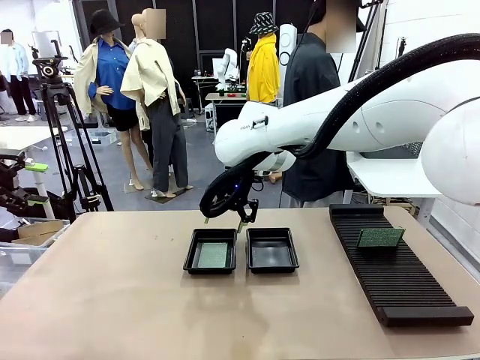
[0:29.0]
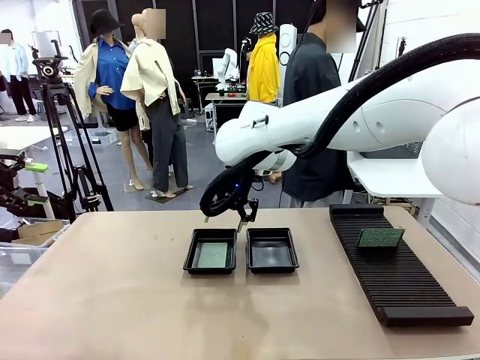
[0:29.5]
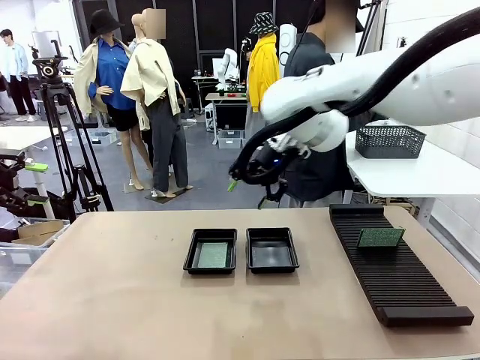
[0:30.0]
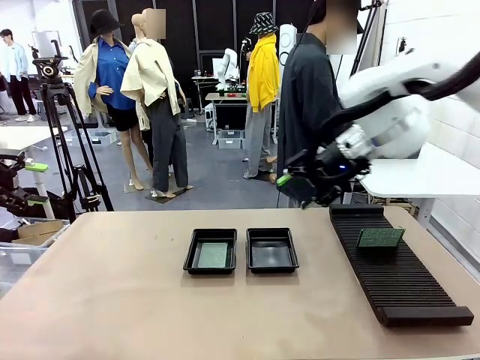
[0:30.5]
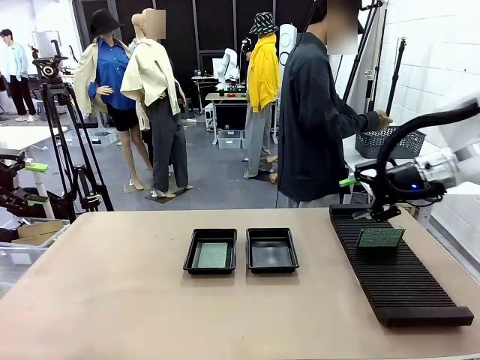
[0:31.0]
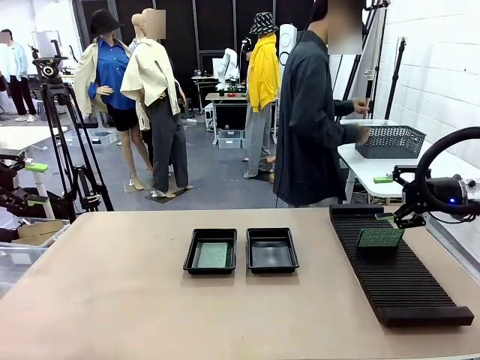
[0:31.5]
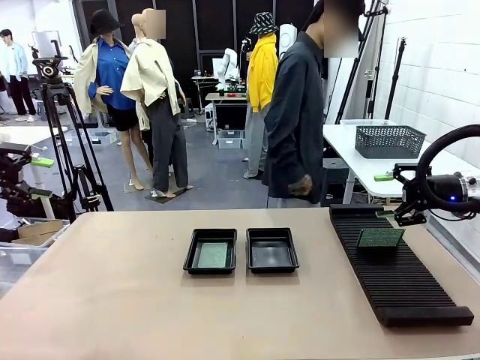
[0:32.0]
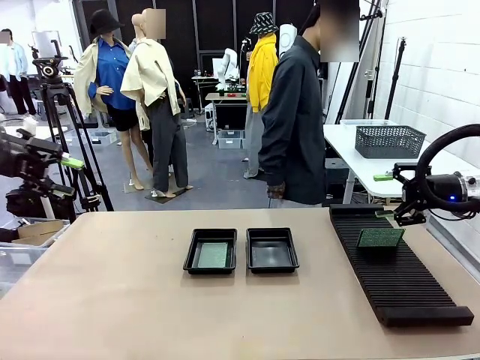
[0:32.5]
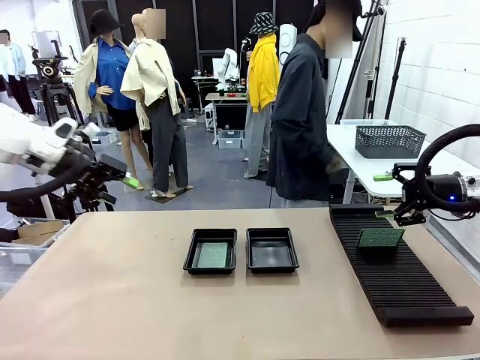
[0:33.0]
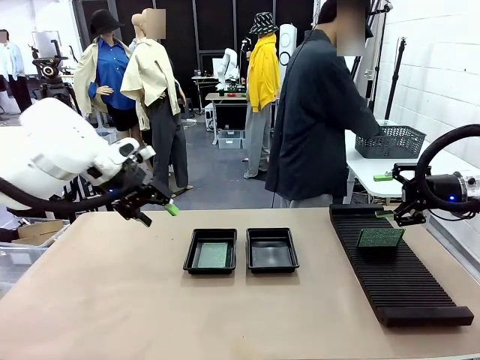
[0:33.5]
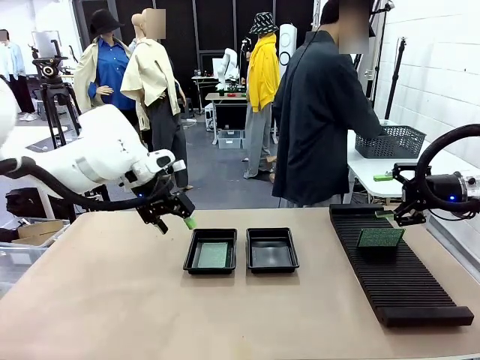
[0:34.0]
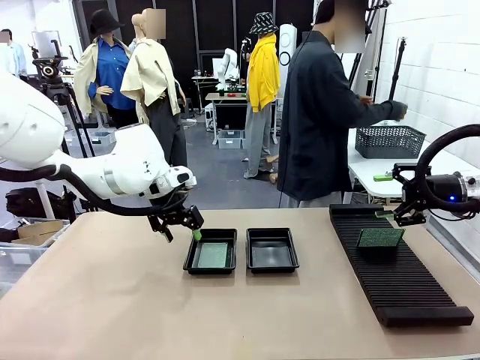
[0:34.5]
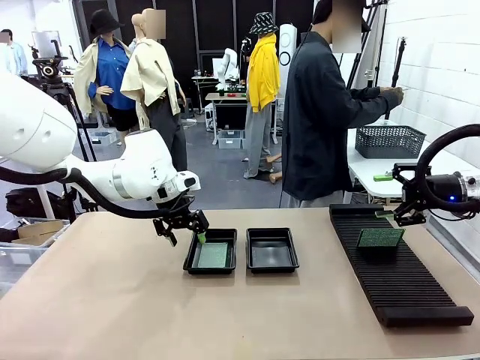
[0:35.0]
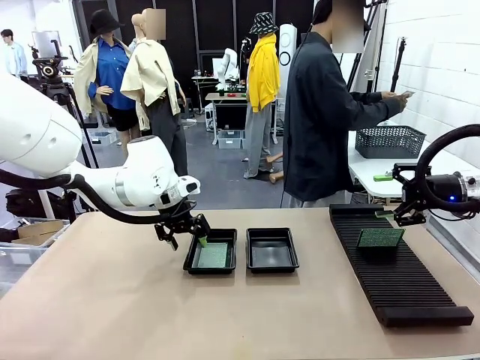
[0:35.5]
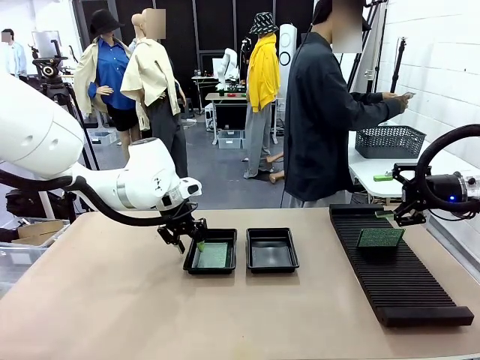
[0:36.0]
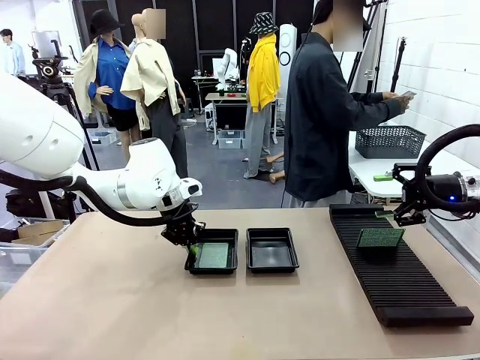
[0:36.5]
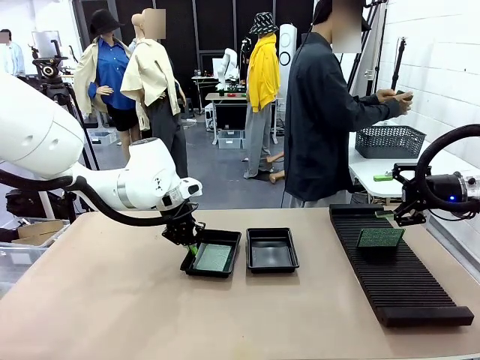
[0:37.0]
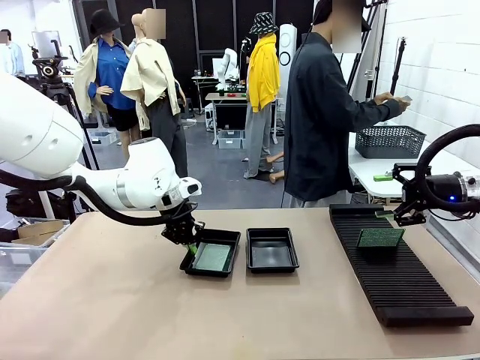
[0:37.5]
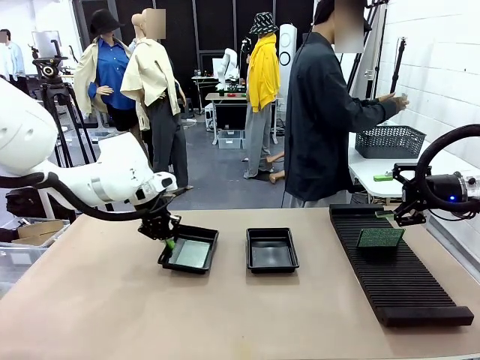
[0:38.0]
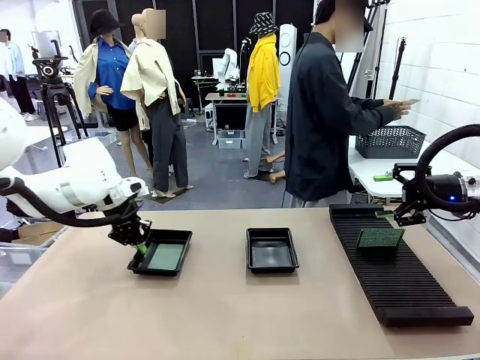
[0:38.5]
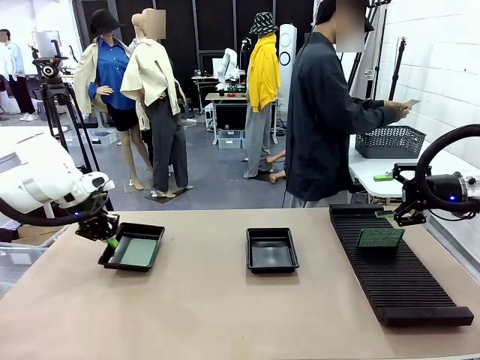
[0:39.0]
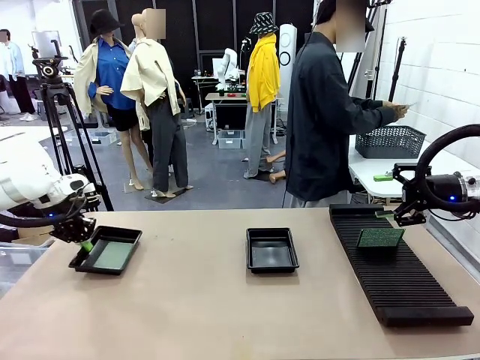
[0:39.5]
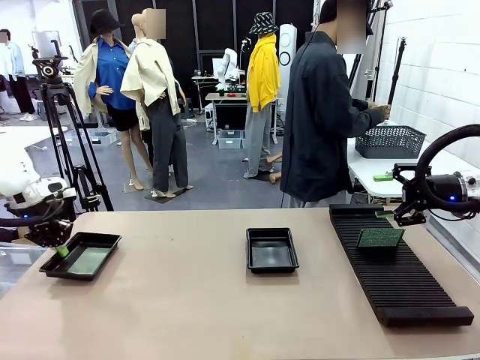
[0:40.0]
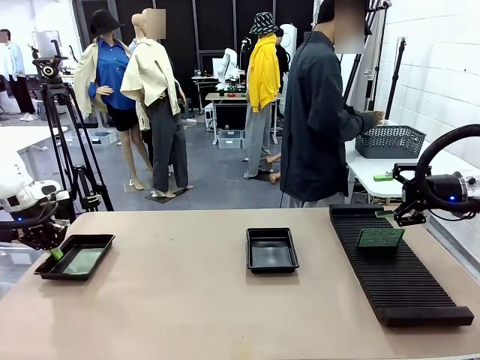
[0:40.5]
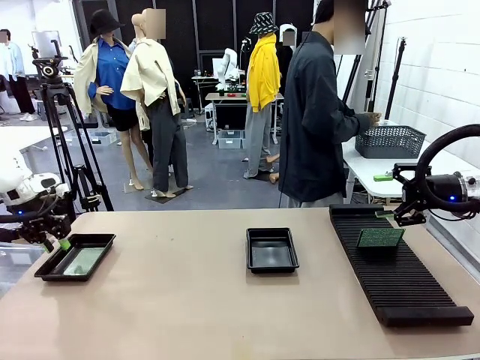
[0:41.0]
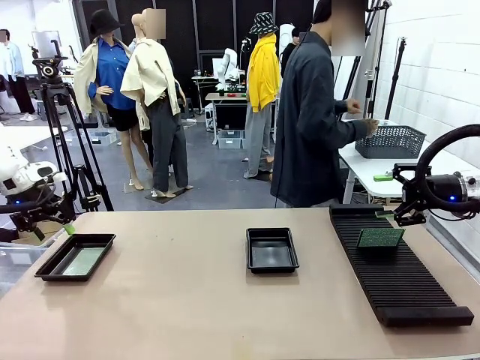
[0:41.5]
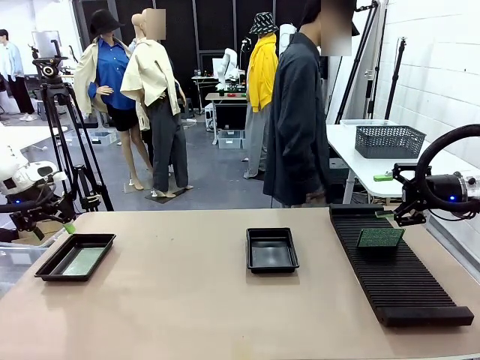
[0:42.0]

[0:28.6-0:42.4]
Task: Inspect and transfer BCBs to ESD trays.
Robot: Pick up the ESD tray and place it on the left side of the table.

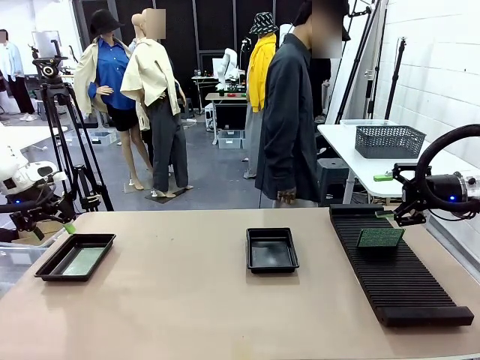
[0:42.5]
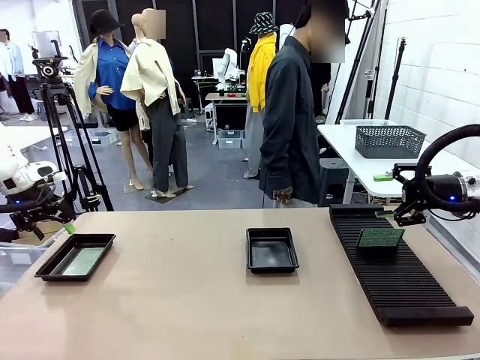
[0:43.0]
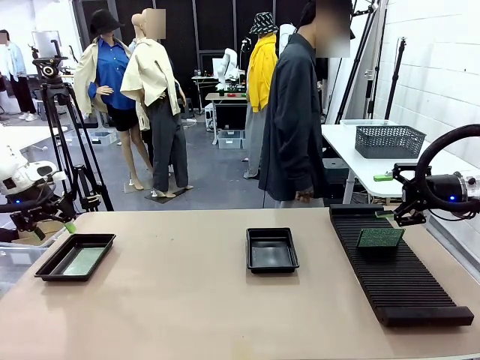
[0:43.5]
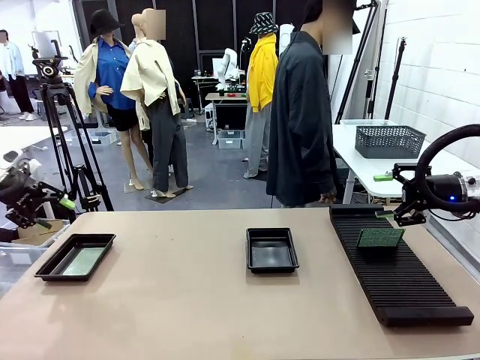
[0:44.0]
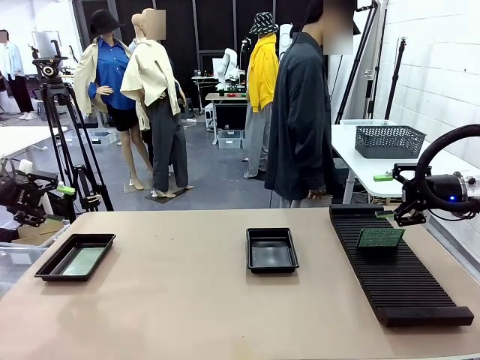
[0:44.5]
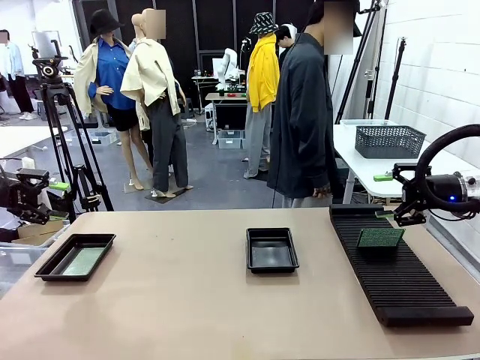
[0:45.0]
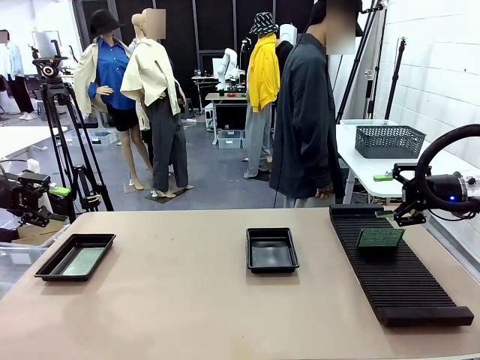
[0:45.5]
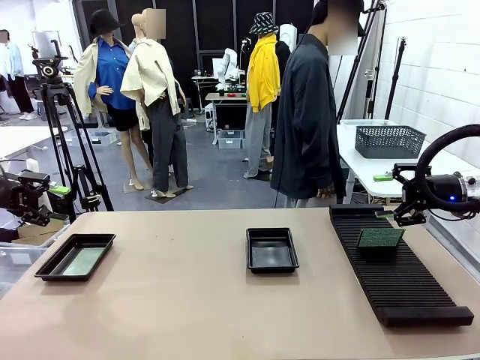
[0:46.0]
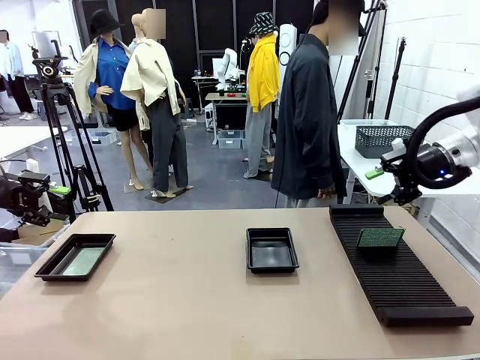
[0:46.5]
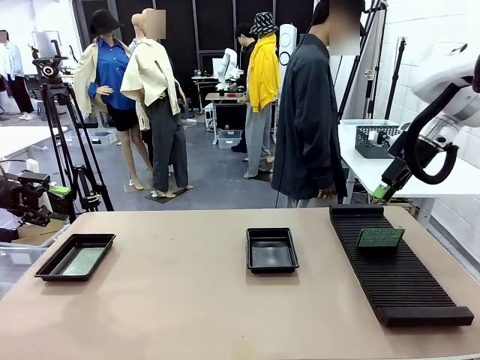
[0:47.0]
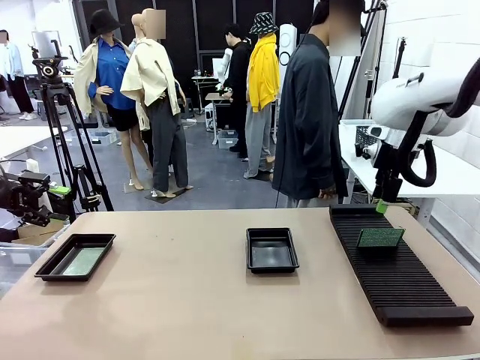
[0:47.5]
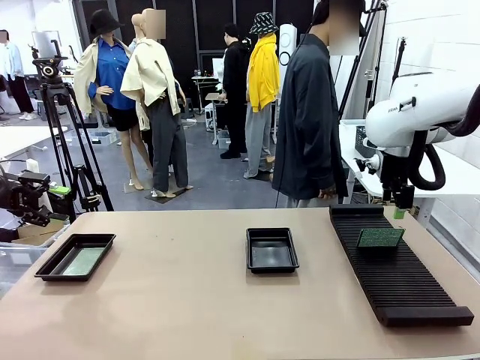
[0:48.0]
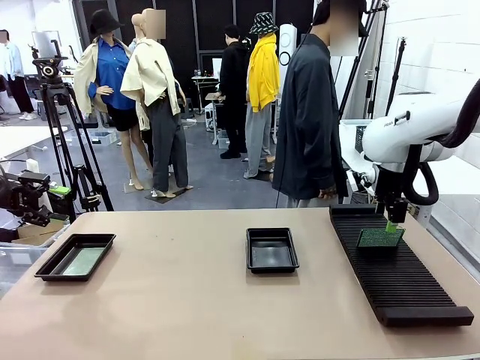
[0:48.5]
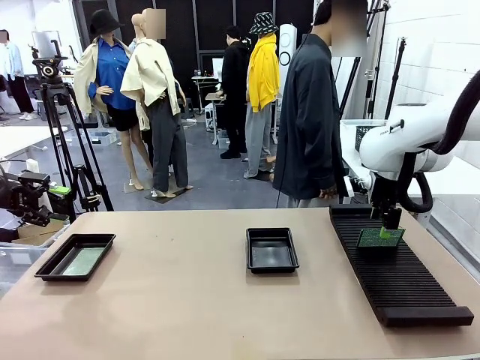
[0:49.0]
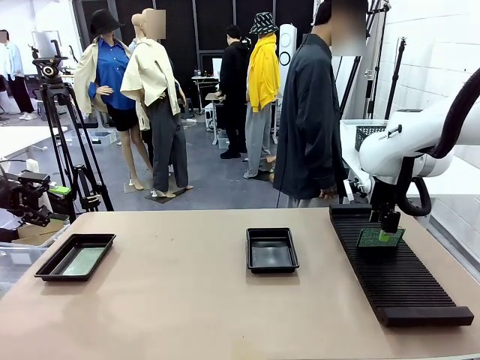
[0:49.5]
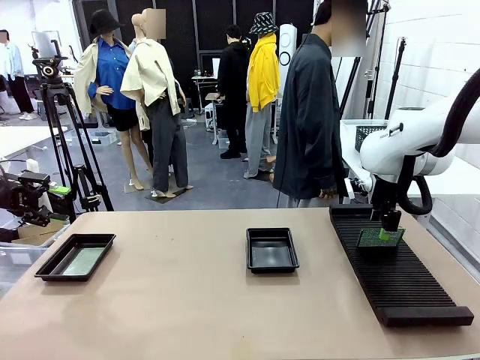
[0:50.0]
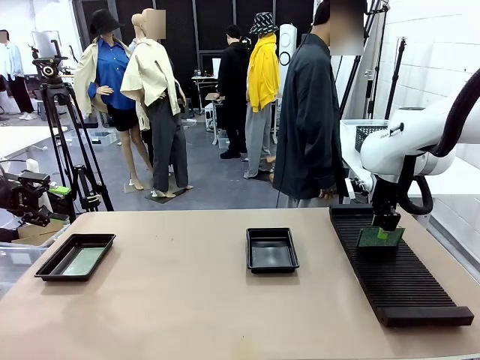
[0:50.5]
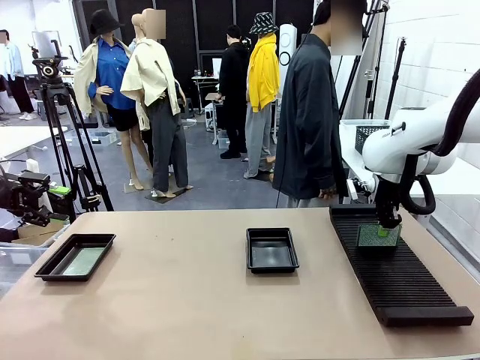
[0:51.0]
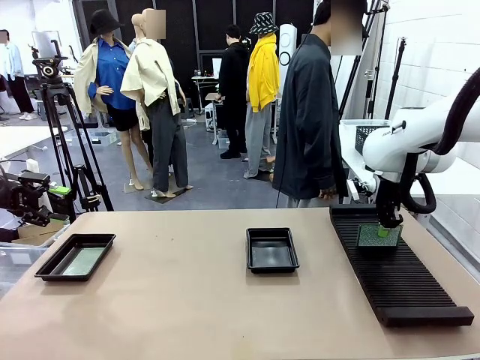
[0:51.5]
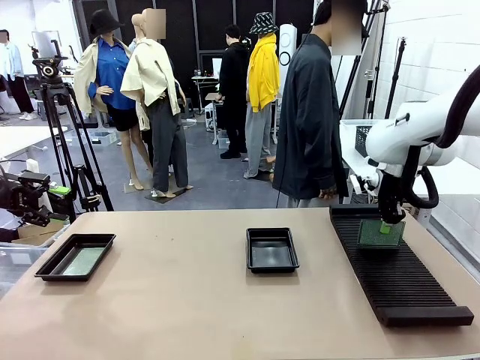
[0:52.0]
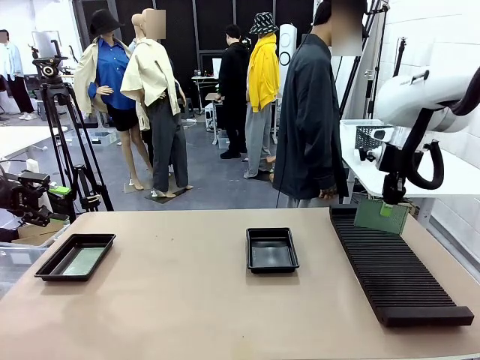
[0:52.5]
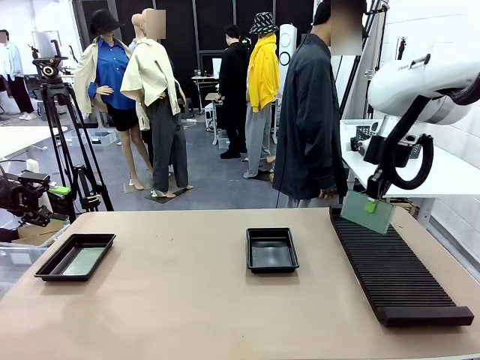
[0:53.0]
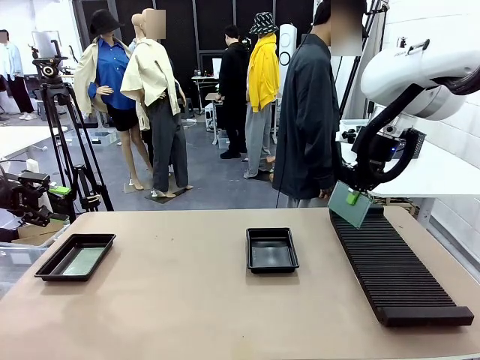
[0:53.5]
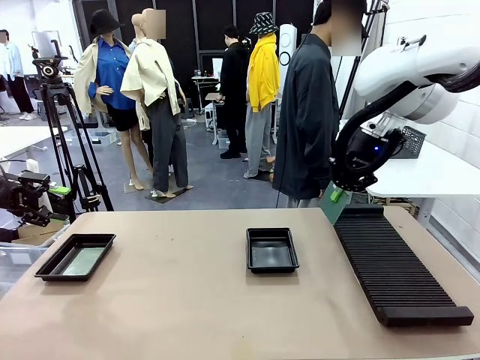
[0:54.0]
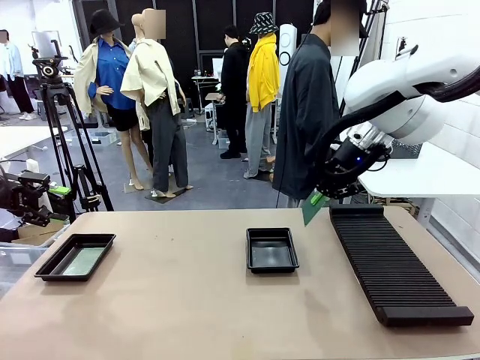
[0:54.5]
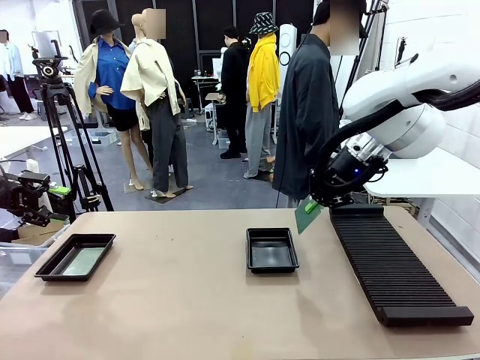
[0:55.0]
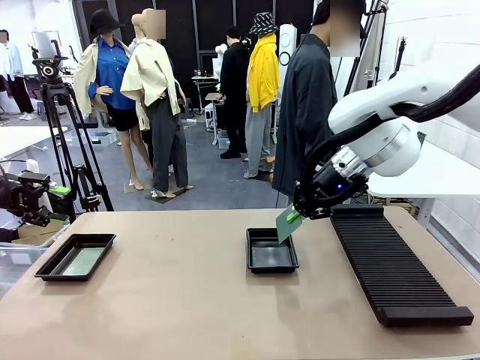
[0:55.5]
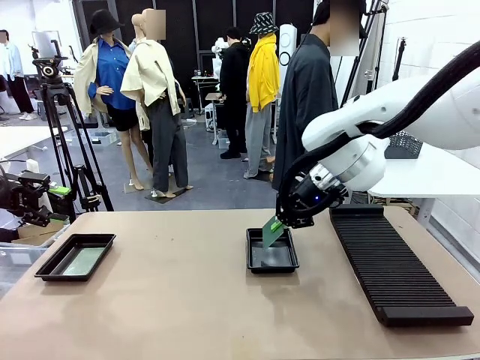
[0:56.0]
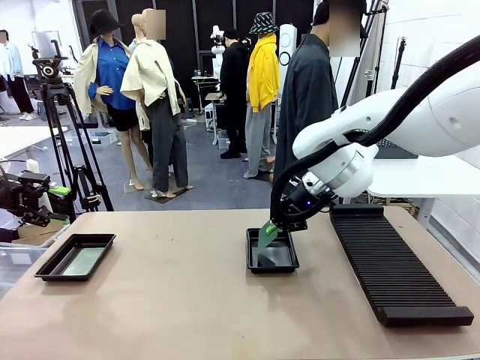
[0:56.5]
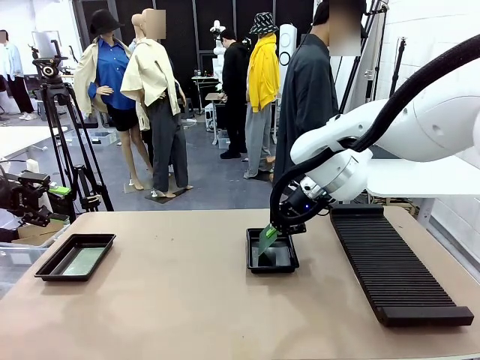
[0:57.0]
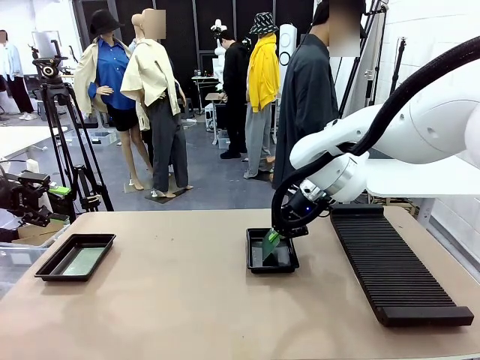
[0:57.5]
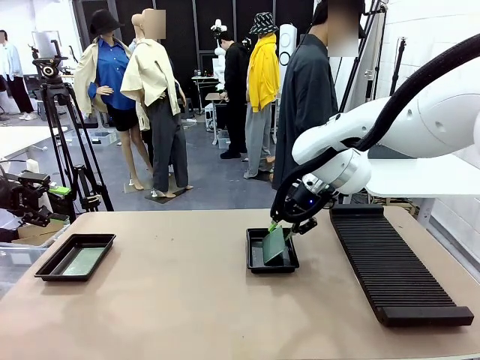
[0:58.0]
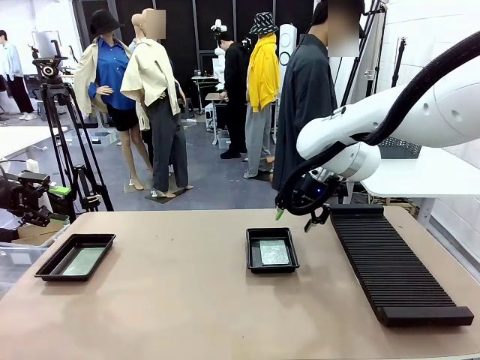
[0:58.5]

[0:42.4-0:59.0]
Robot: Pick up the Blank PCB from the PCB Rack and place it in the right ESD tray.
